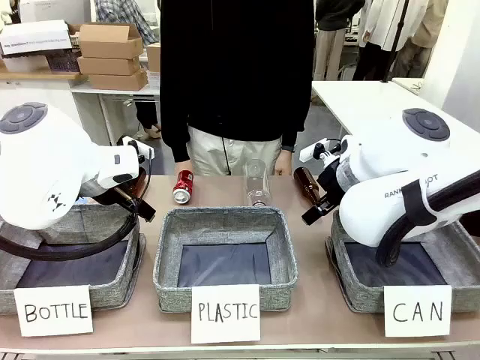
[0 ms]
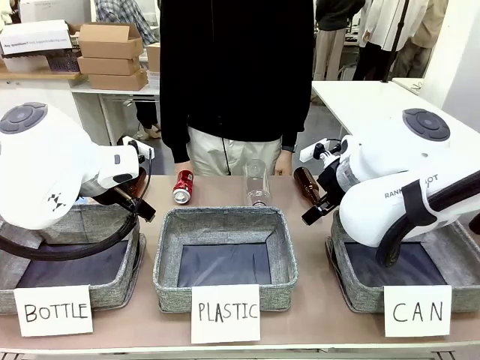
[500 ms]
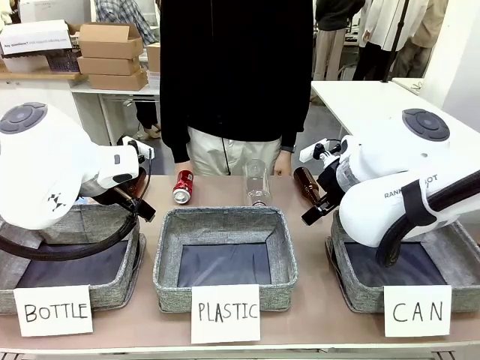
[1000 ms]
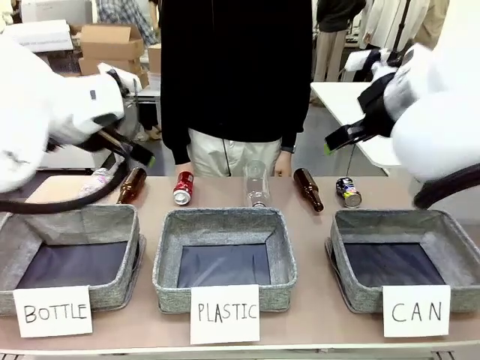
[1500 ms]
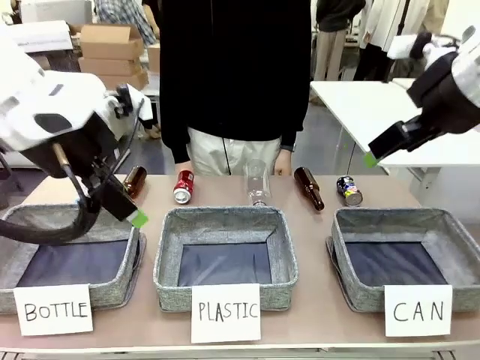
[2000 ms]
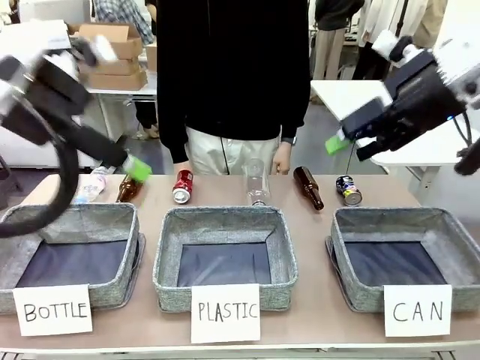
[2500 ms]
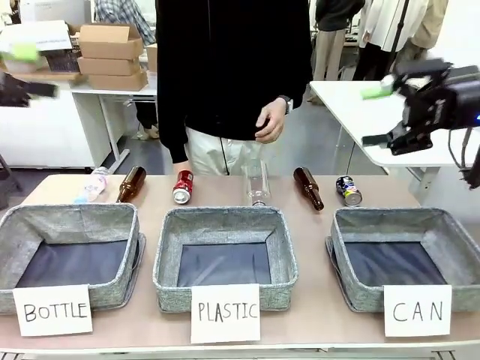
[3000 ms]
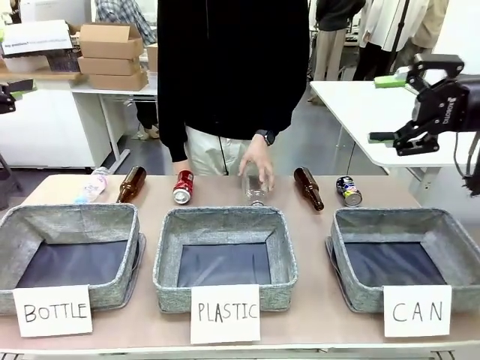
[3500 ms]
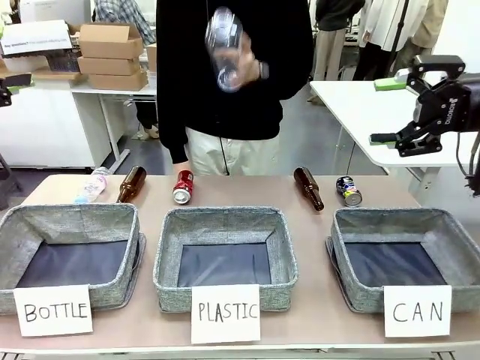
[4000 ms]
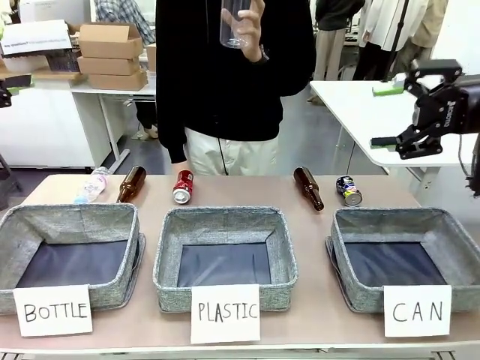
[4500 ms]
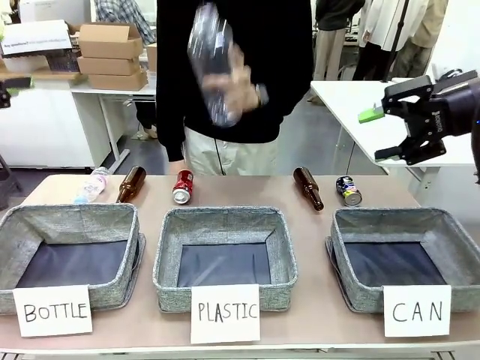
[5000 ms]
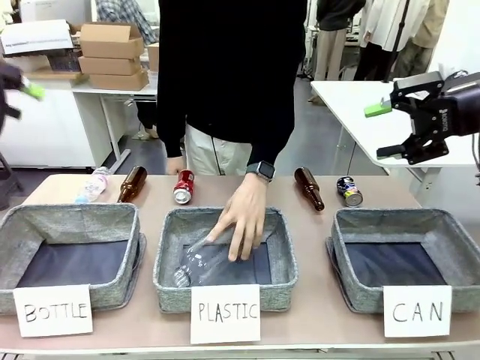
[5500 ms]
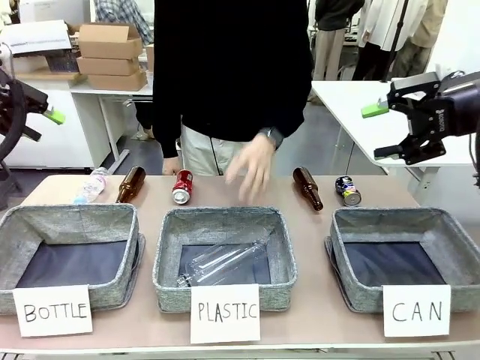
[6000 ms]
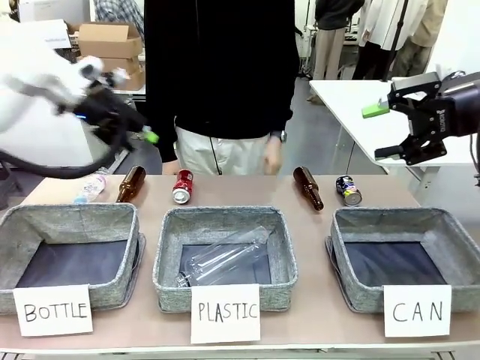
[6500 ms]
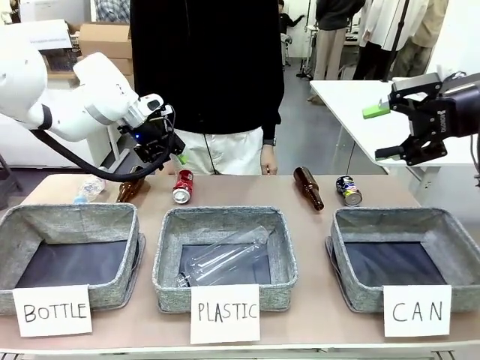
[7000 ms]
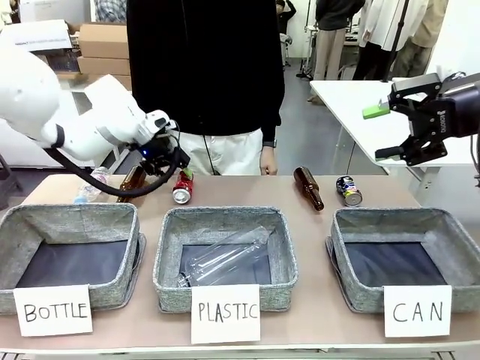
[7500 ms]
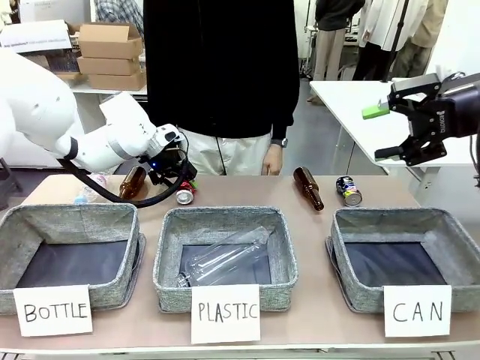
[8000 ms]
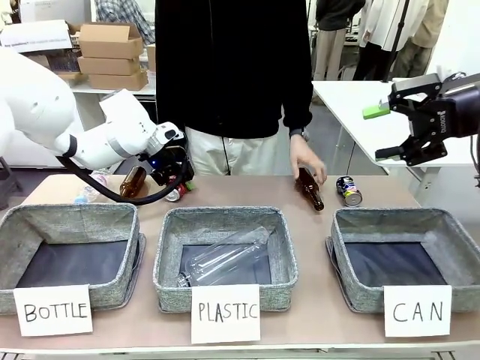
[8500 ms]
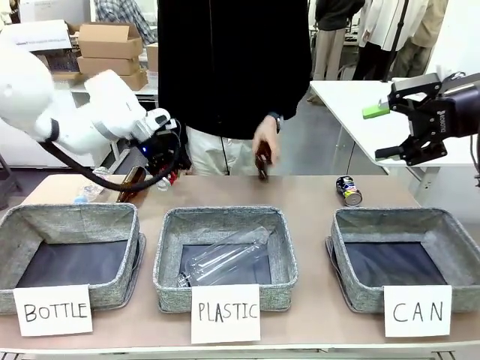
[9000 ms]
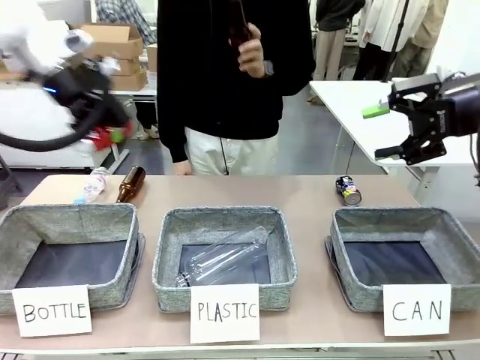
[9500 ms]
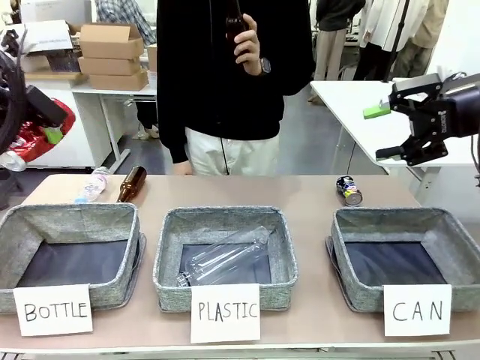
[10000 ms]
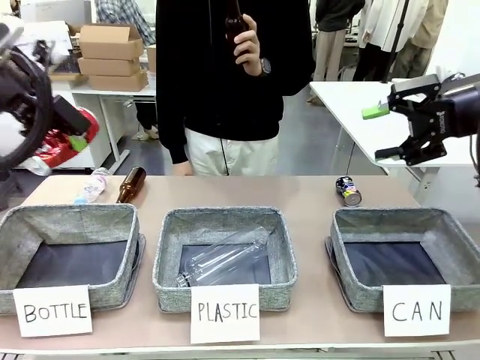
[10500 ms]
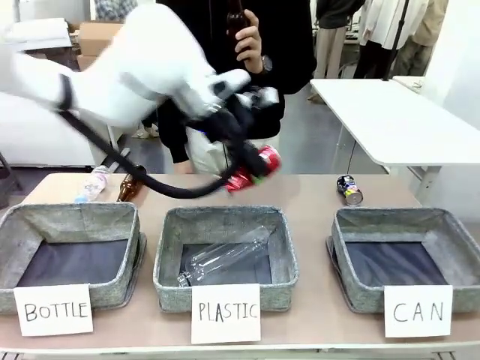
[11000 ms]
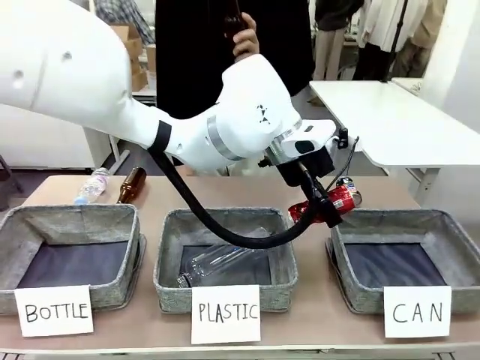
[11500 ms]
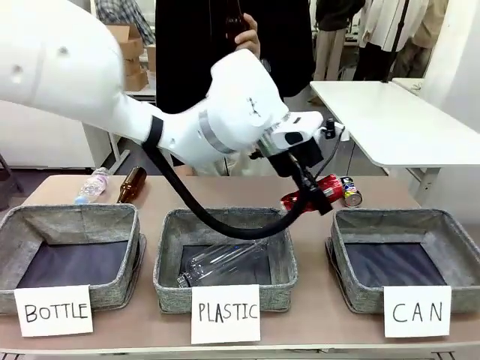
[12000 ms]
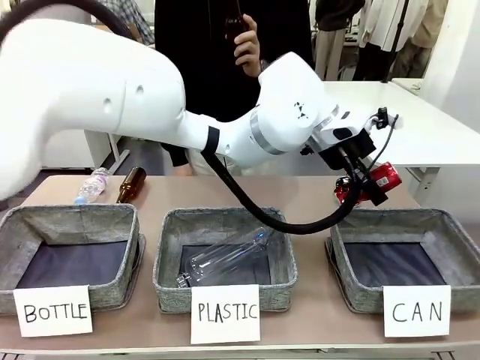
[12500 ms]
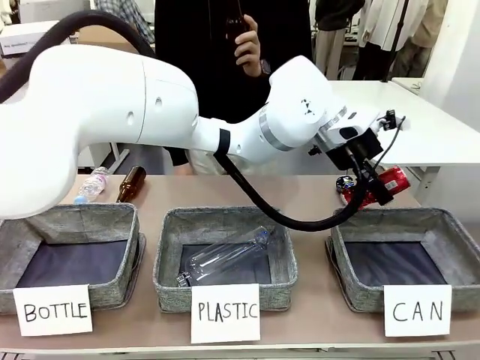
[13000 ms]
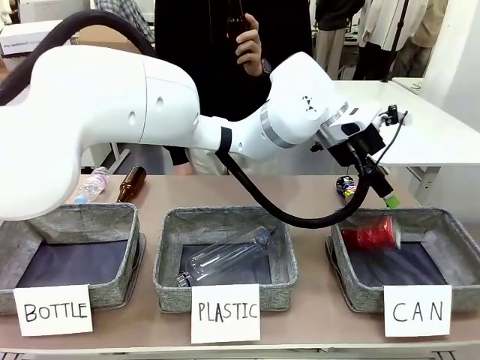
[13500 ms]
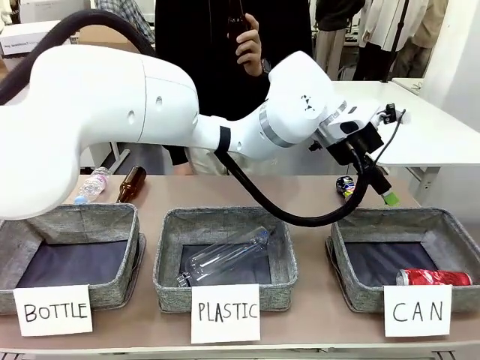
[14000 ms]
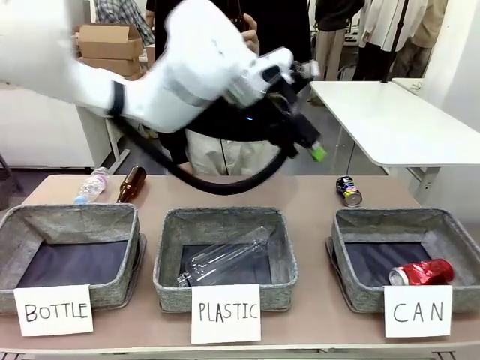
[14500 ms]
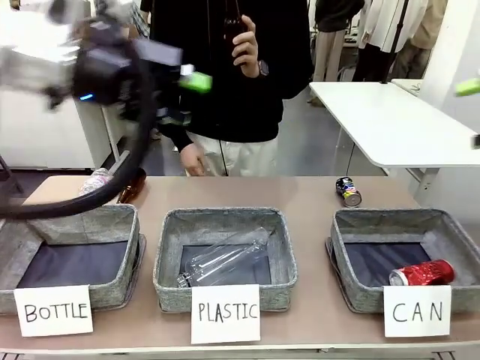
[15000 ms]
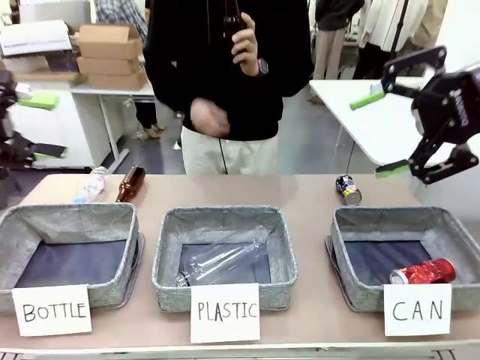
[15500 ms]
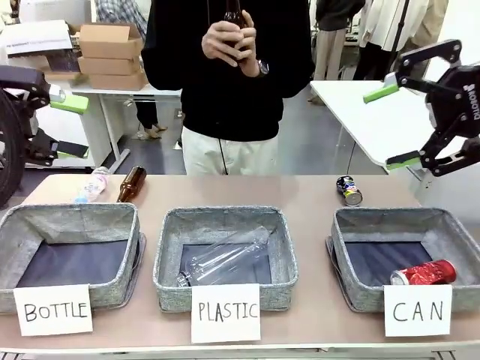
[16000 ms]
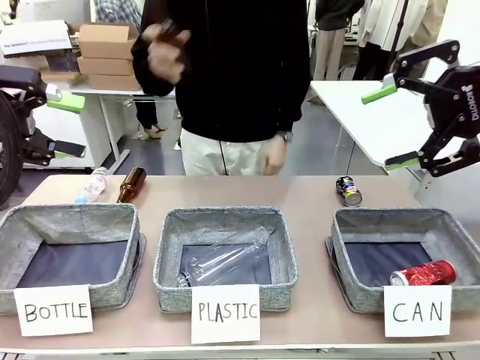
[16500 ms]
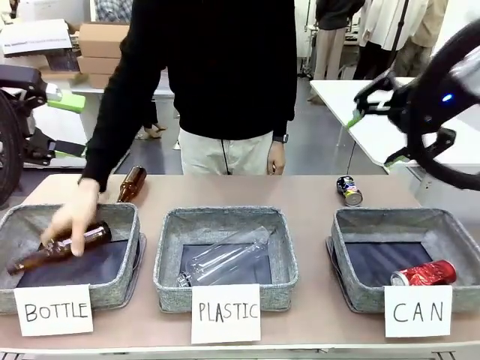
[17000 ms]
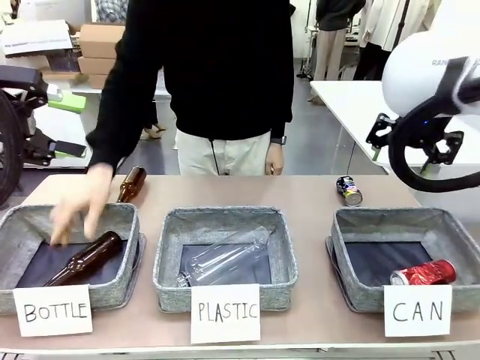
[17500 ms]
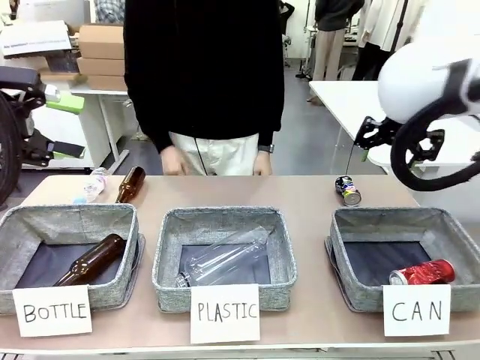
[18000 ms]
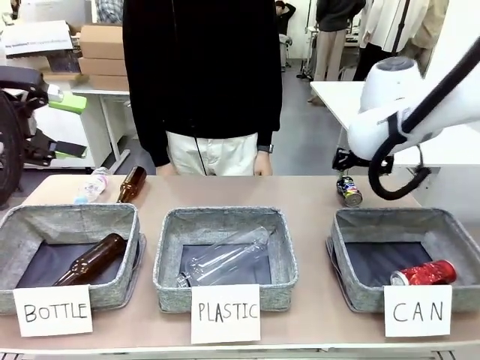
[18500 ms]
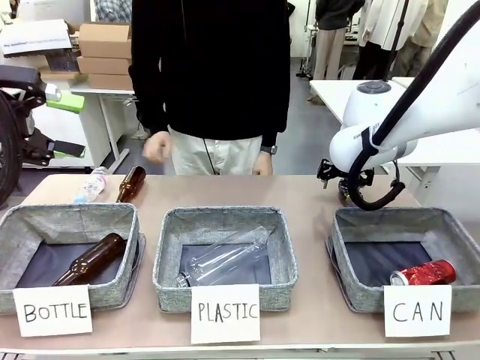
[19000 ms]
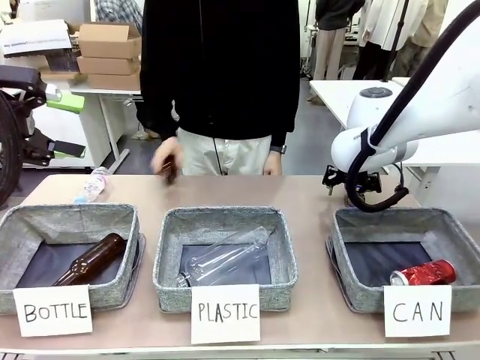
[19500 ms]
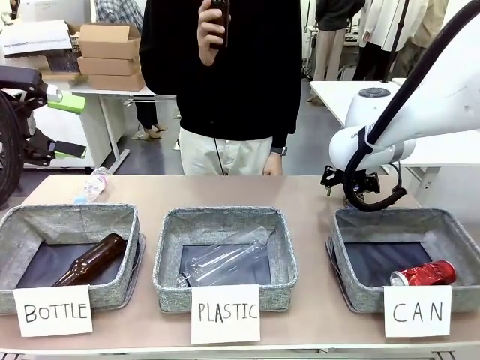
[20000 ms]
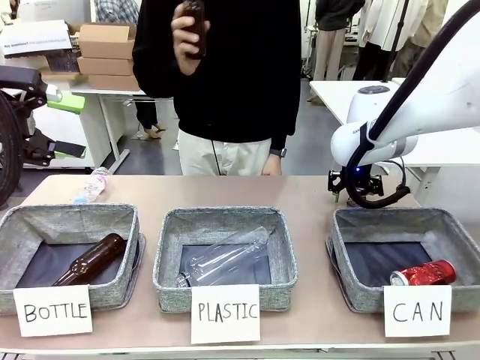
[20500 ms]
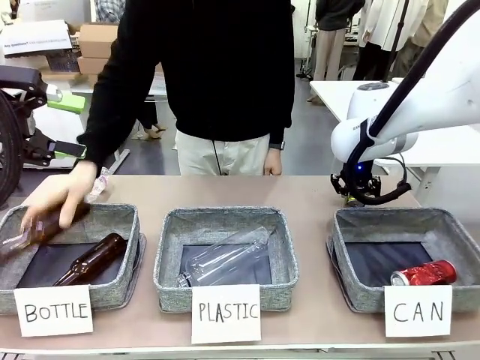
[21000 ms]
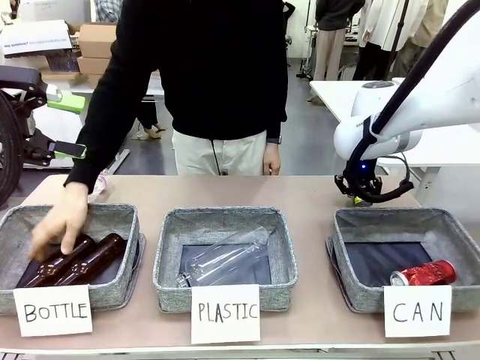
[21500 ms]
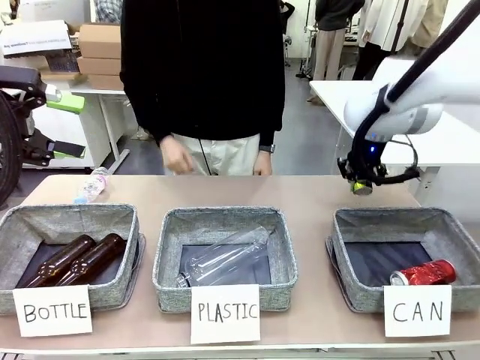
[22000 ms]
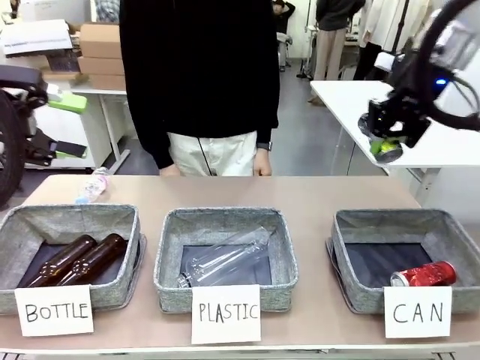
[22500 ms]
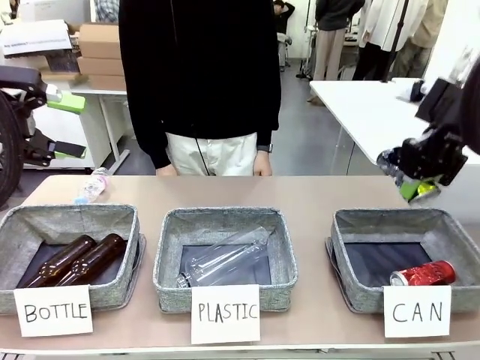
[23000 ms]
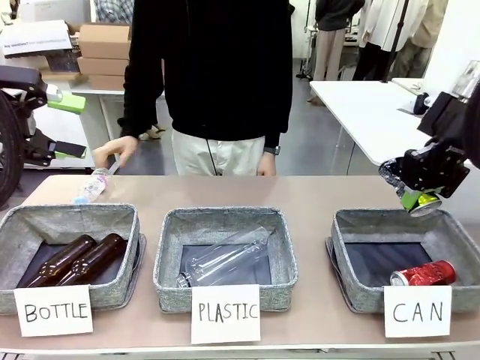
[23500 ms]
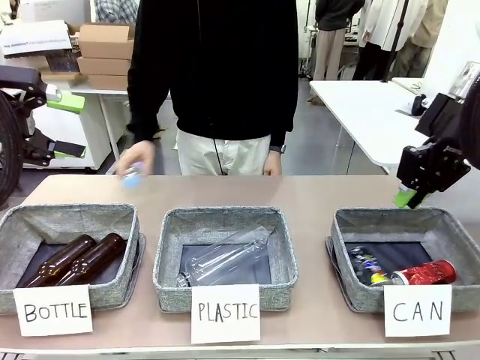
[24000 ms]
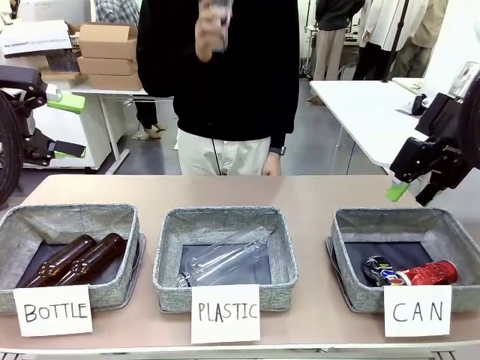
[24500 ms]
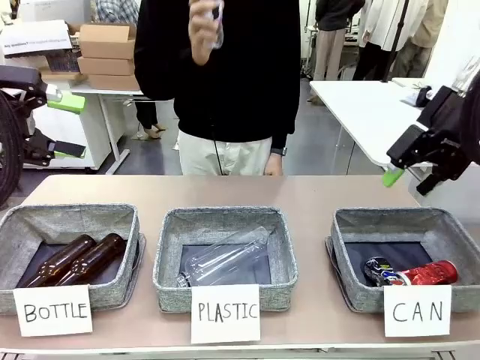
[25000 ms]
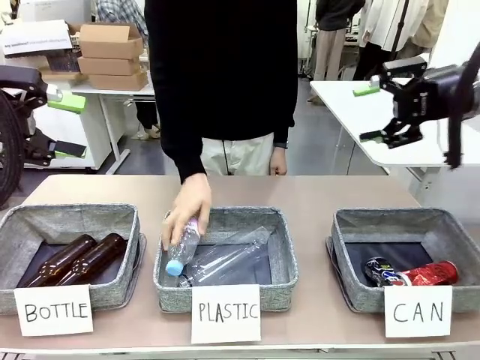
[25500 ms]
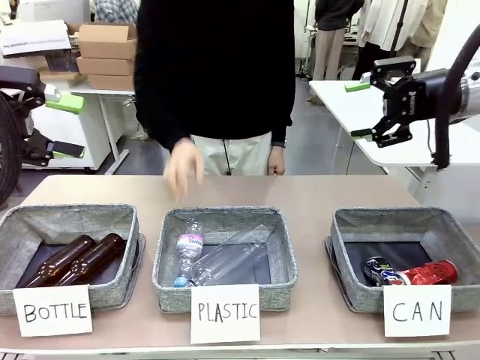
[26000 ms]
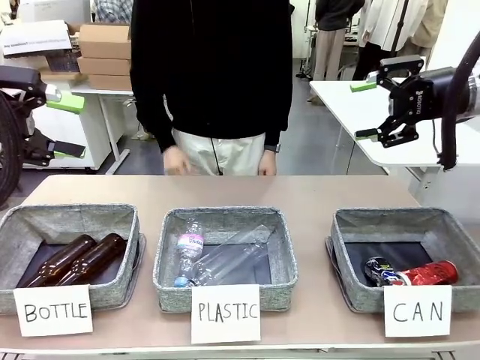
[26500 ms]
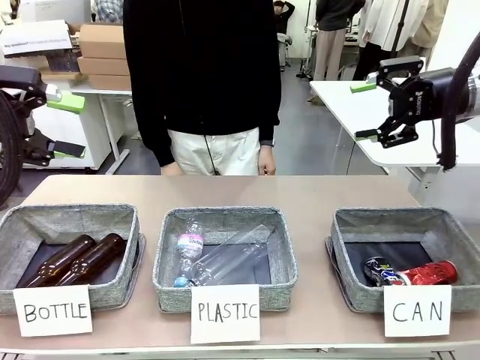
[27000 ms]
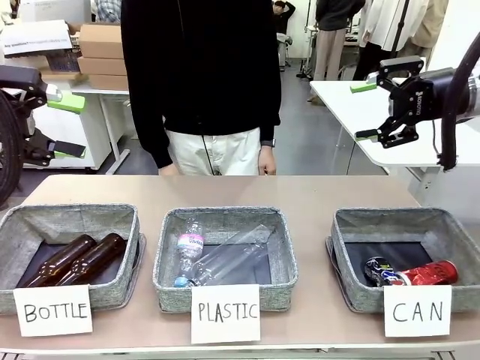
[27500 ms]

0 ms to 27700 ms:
Task: Sort the can waste into the basket.
Robot: Pick up the can waste from the table and place it in the right Fabric basket.
Person: The human picks up one piece of trash that is not a can and places the trash into the appropriate organizing basket.
